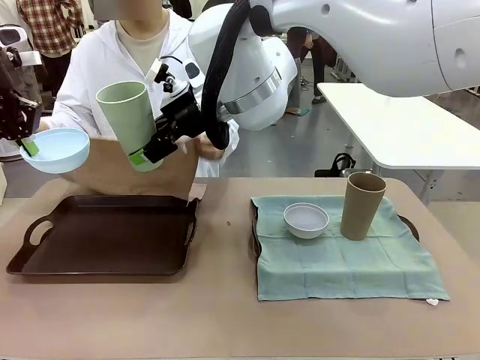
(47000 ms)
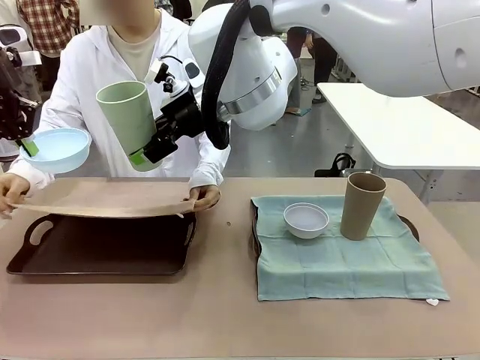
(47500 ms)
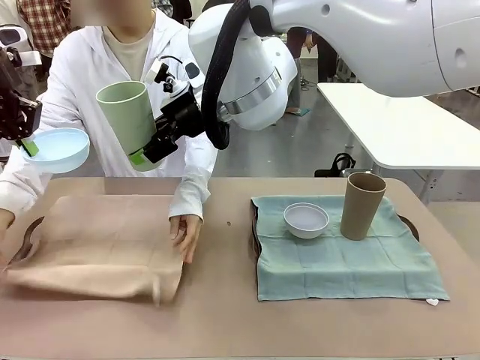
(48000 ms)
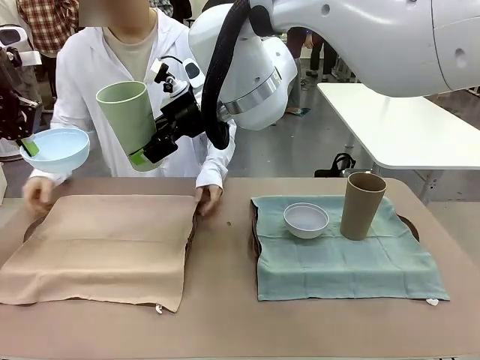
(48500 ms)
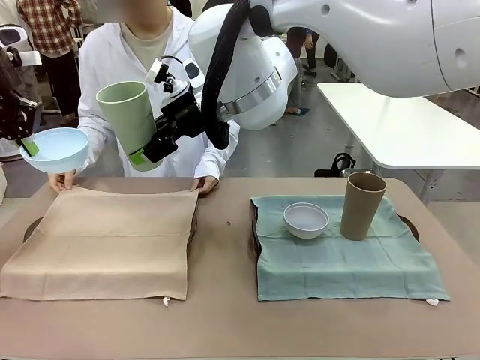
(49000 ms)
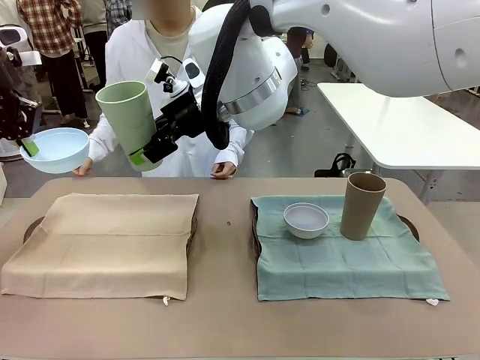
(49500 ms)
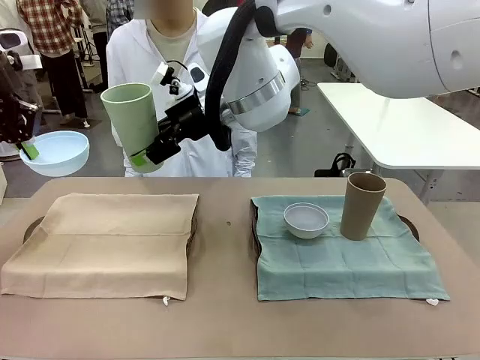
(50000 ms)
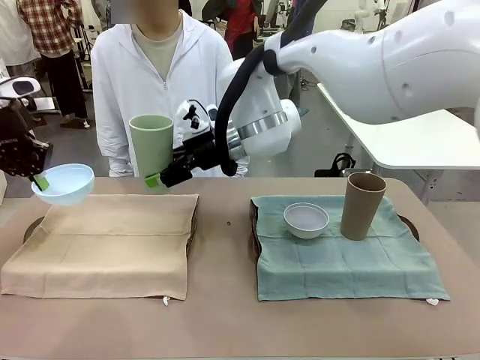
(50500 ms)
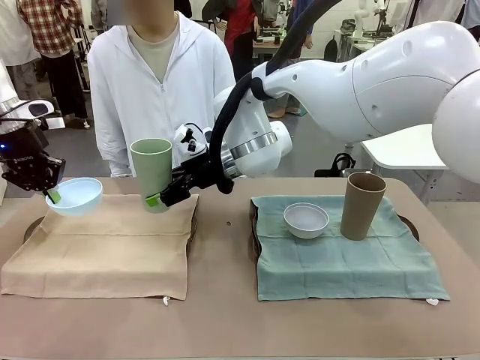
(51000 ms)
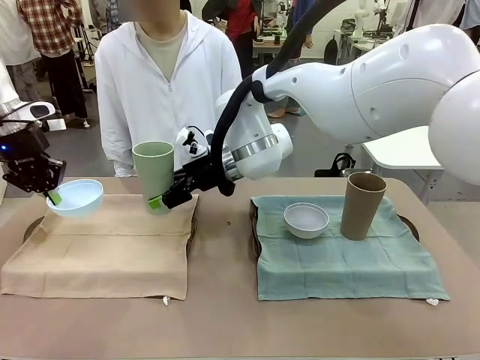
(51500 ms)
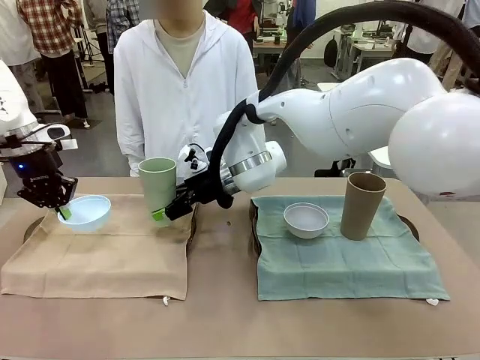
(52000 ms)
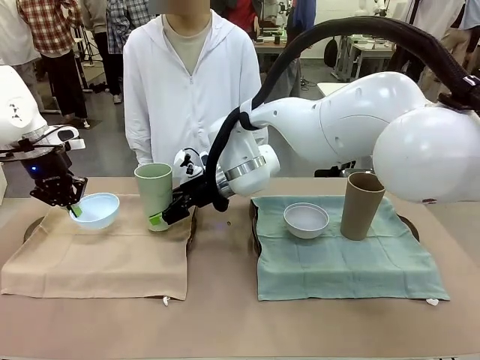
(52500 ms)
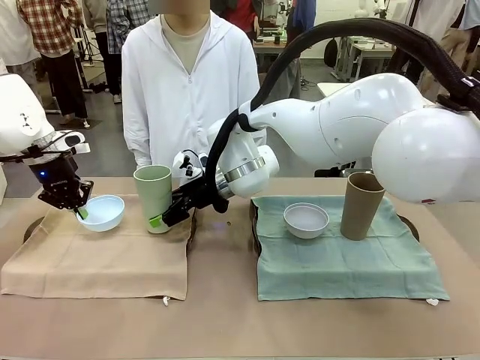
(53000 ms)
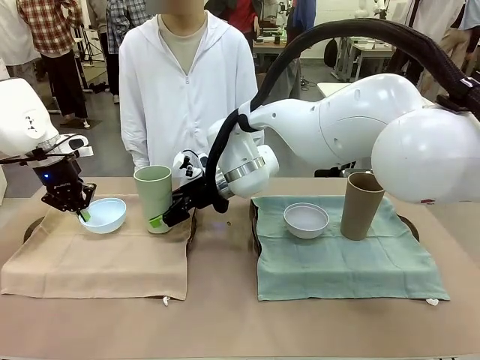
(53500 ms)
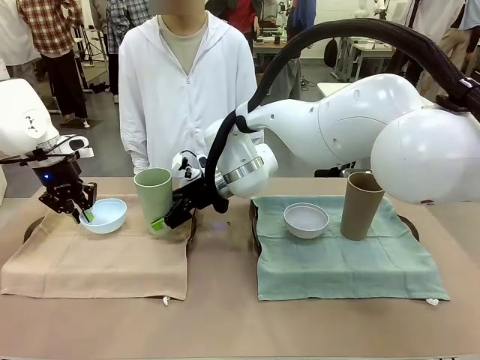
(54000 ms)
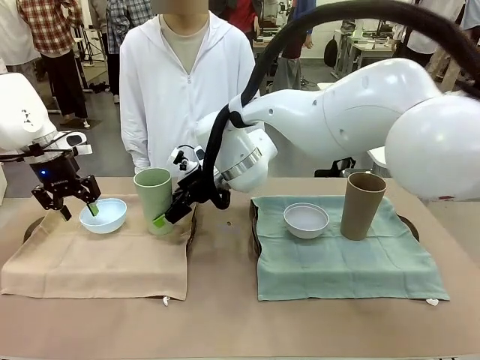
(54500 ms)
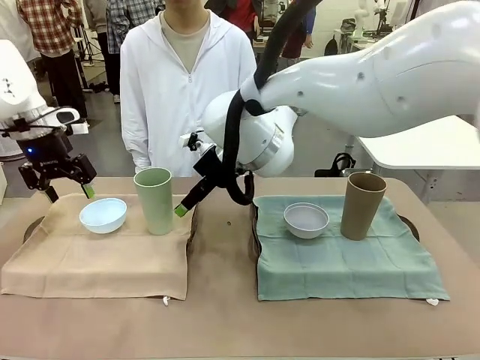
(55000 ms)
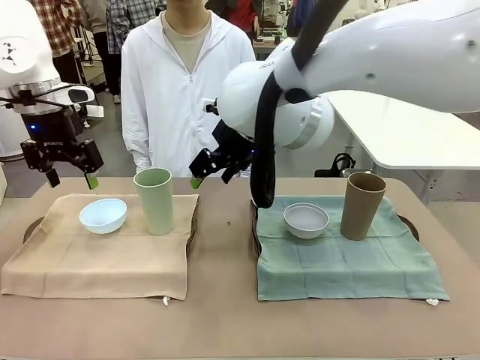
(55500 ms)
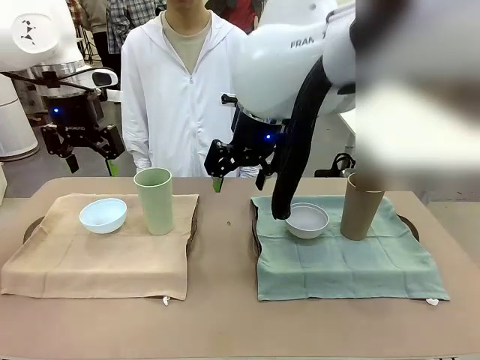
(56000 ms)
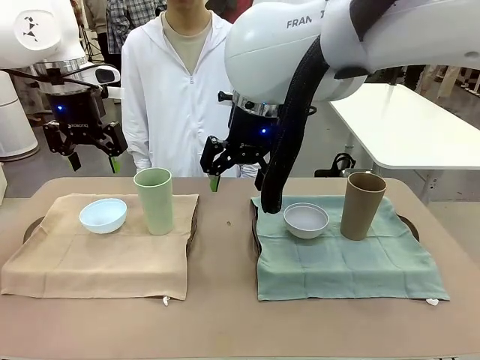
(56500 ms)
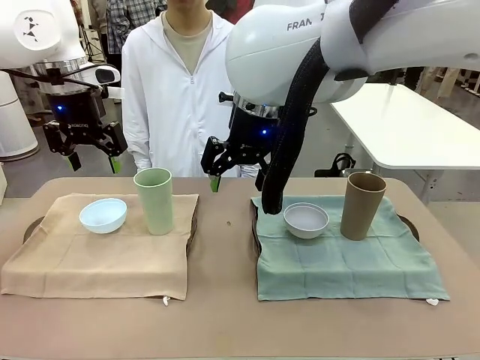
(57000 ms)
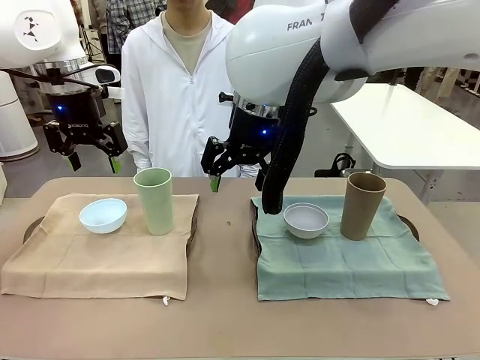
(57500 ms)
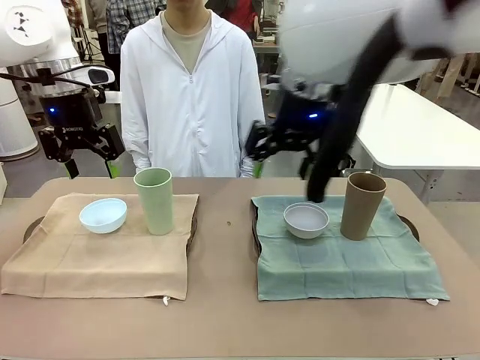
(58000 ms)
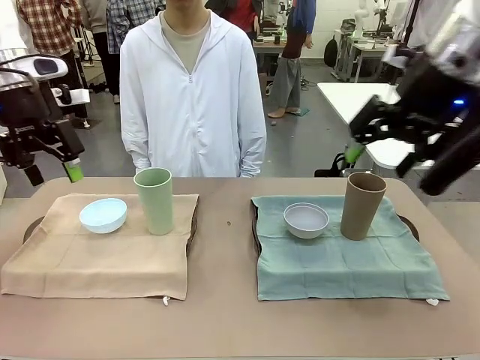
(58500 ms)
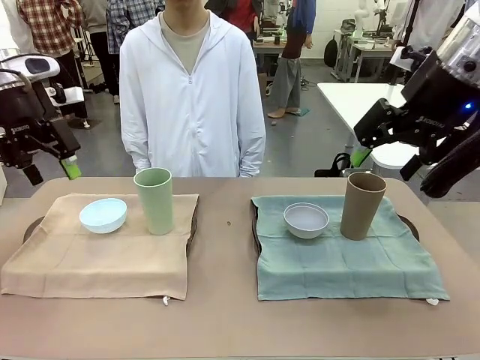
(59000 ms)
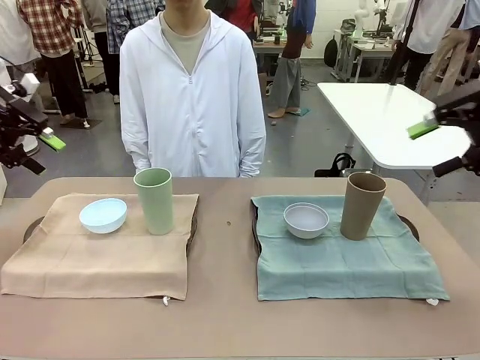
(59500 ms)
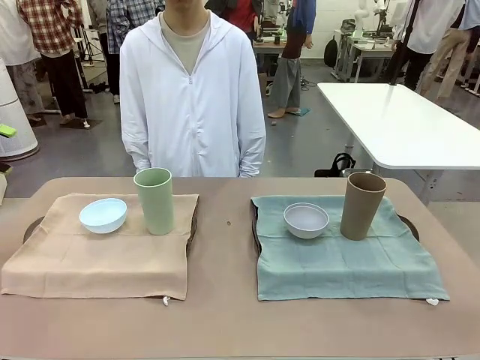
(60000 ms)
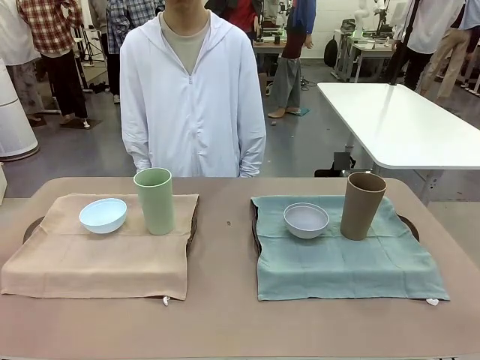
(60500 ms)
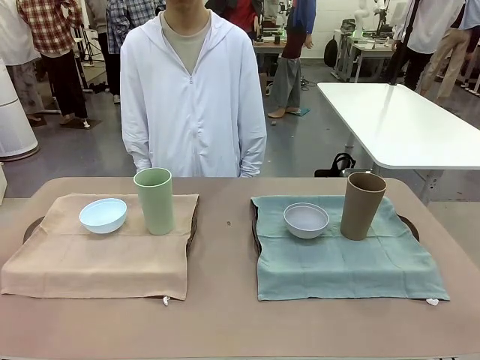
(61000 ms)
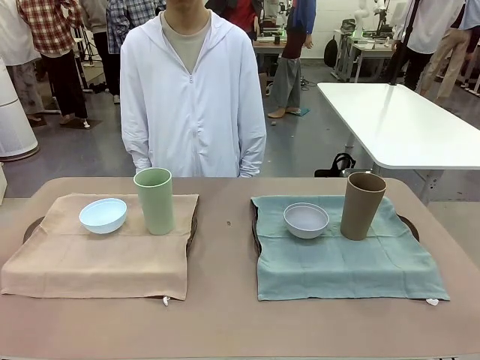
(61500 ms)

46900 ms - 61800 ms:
Robot: Place the Picnic Bowl and Reusable plastic cup back onto the Handle tray in front of the human's position.
Person: When the robot lifts the bowl and the cup, the human unfolds the napkin and lays the napkin flat on the tray.

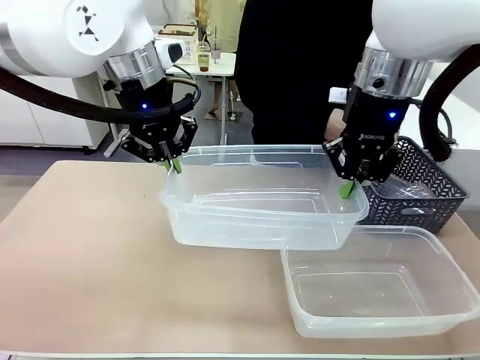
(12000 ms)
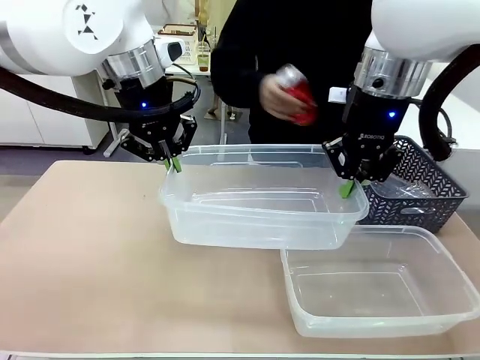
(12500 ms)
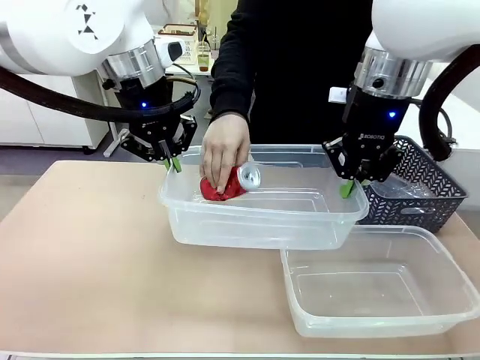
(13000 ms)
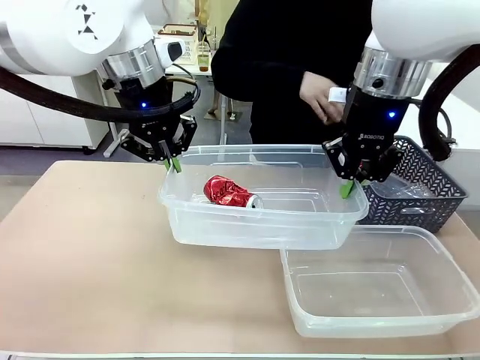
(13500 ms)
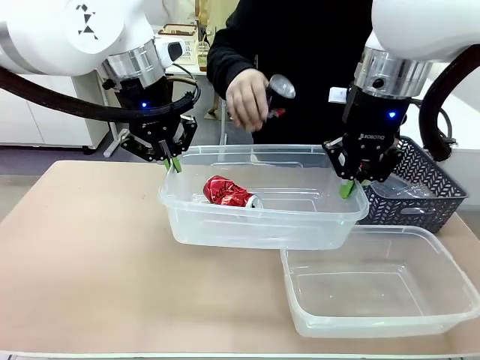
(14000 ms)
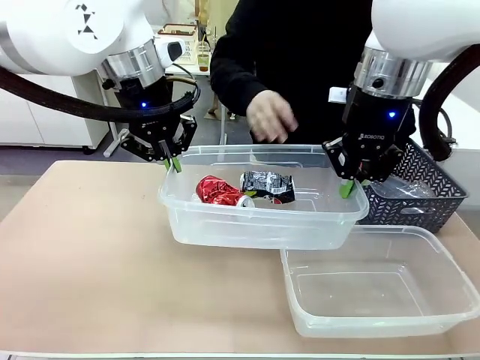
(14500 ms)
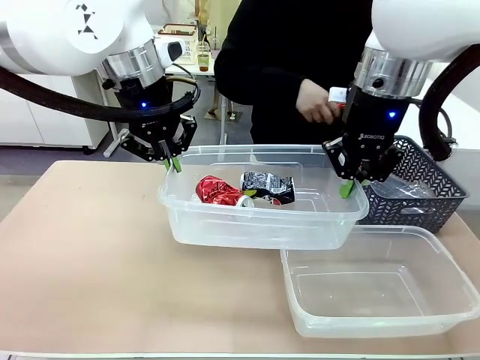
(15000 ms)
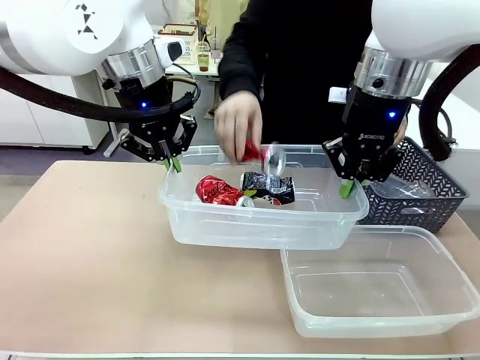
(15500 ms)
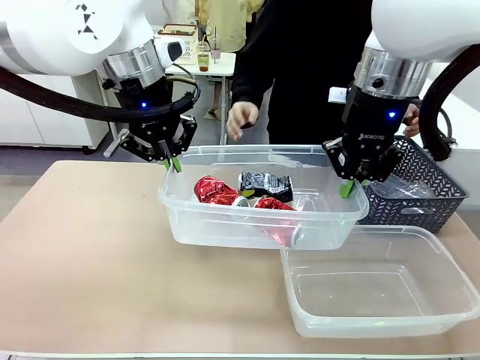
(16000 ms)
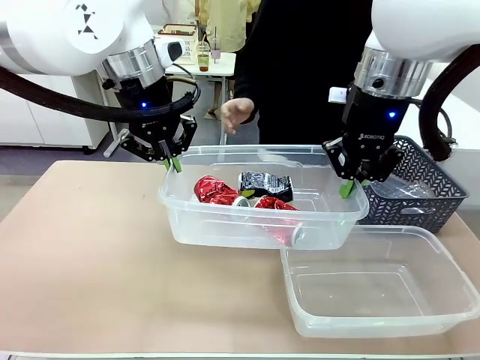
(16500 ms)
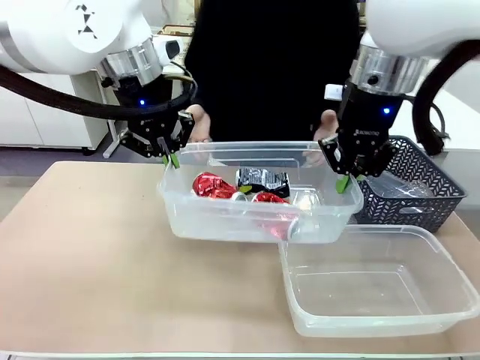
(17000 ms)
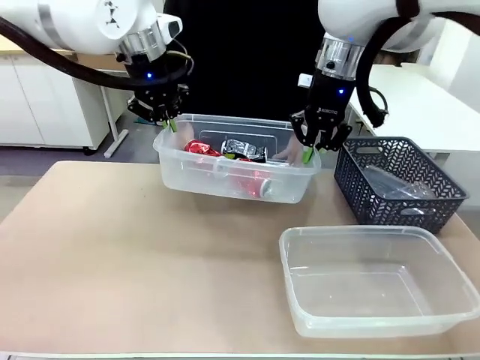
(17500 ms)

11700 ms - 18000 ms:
Robot: Offer the picked Organizing box to the human.

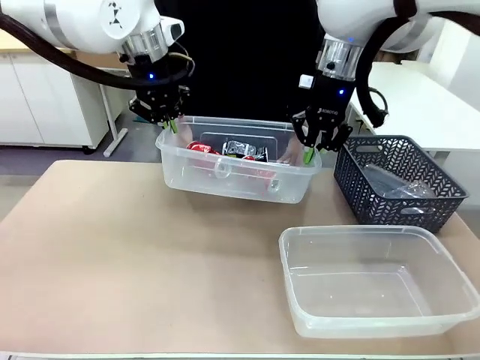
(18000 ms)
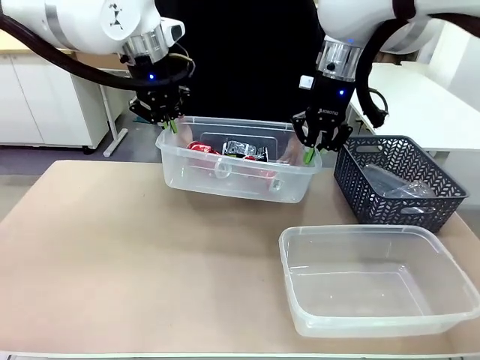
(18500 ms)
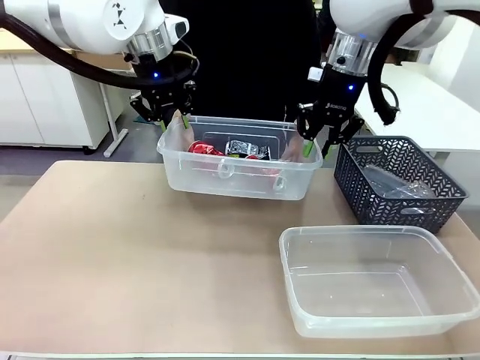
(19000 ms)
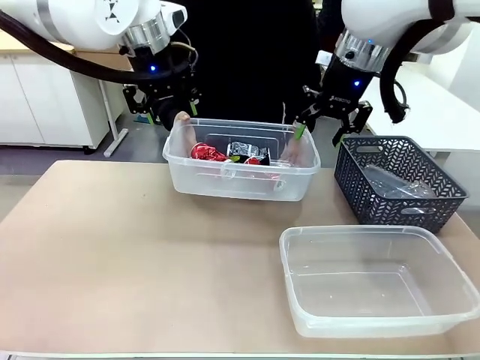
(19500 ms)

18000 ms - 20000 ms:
Robot: Release the Organizing box you were holding.

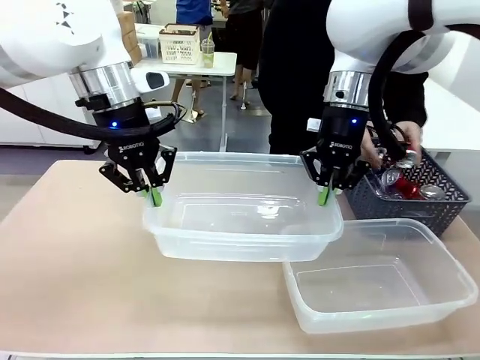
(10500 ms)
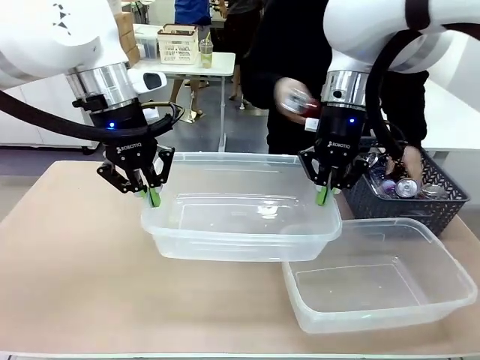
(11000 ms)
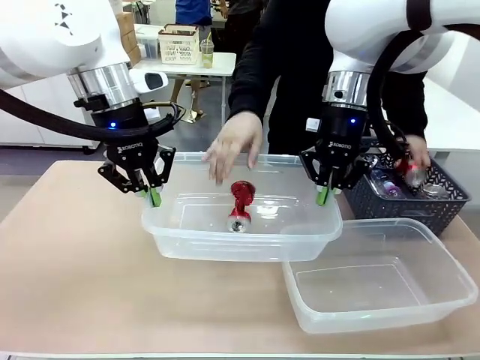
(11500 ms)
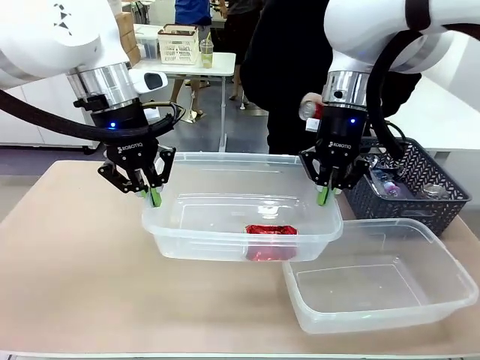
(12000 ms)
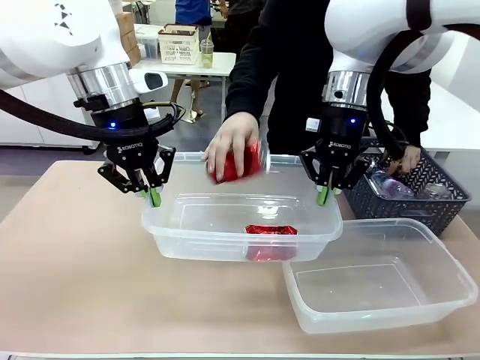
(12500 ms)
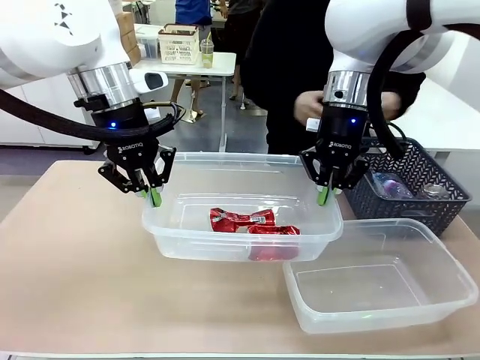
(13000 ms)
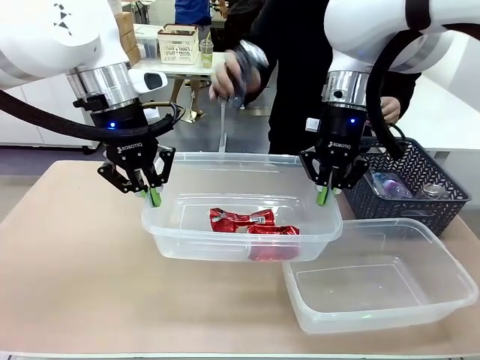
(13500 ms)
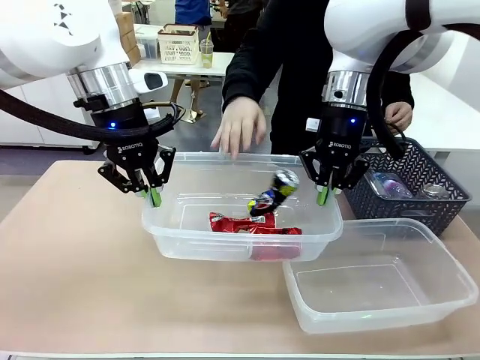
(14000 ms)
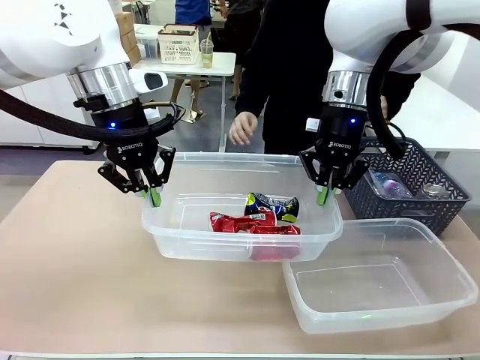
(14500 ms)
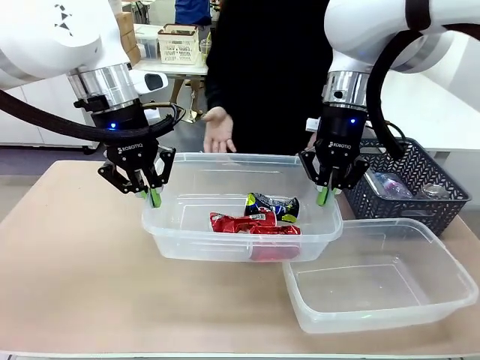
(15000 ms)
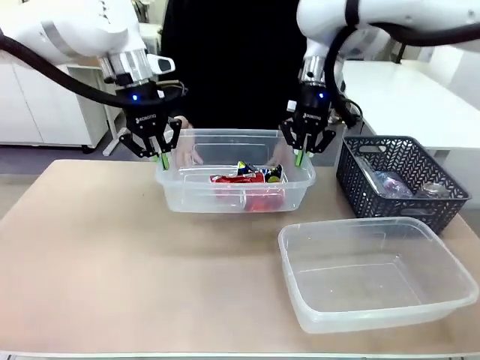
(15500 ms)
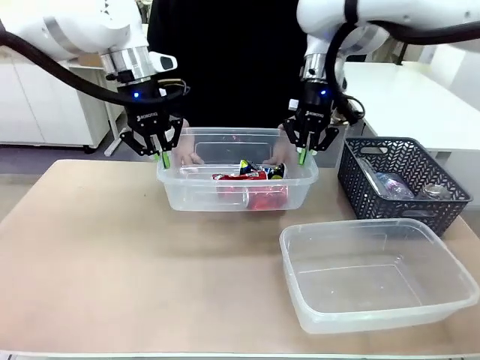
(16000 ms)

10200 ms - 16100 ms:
Robot: Offer the picked Organizing box to the human.
